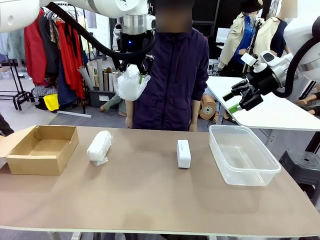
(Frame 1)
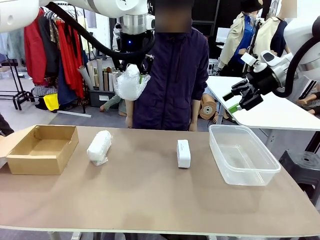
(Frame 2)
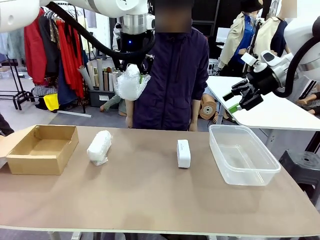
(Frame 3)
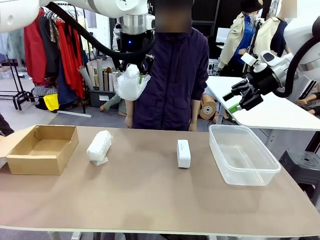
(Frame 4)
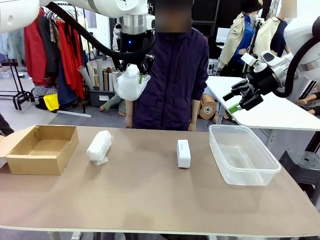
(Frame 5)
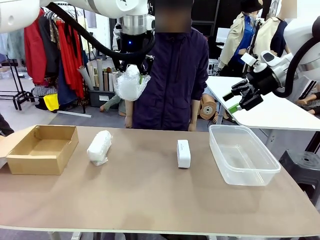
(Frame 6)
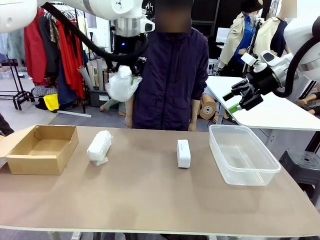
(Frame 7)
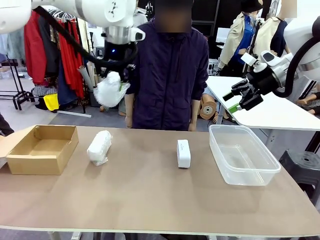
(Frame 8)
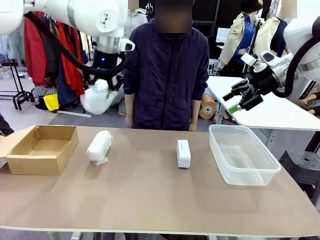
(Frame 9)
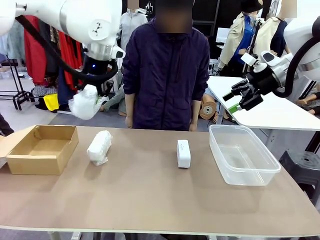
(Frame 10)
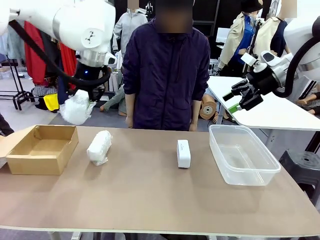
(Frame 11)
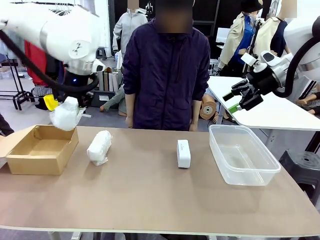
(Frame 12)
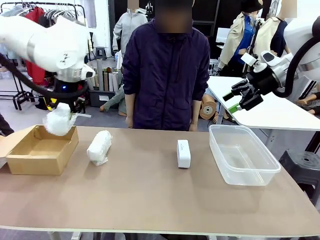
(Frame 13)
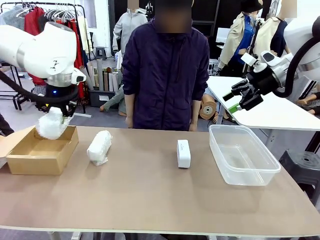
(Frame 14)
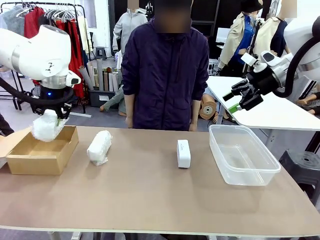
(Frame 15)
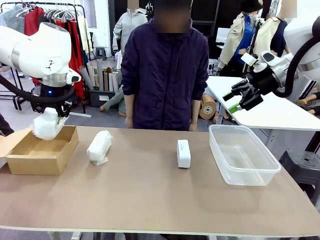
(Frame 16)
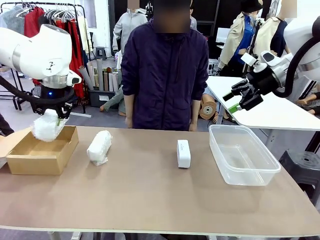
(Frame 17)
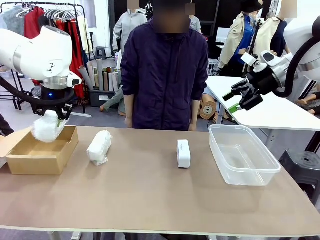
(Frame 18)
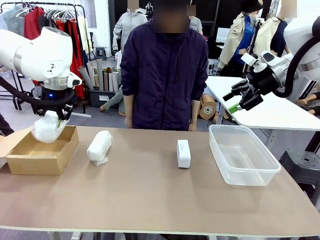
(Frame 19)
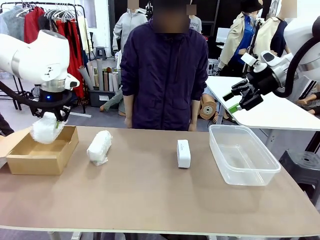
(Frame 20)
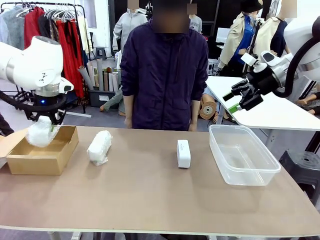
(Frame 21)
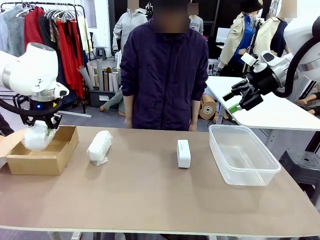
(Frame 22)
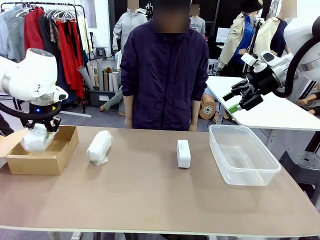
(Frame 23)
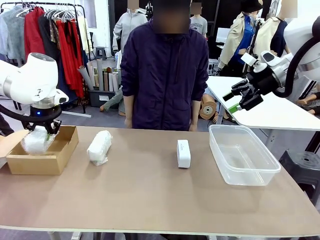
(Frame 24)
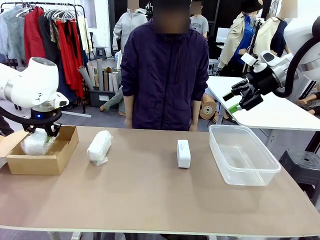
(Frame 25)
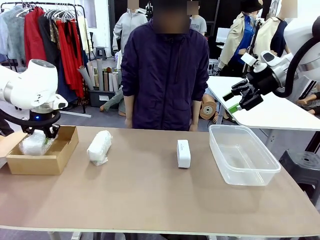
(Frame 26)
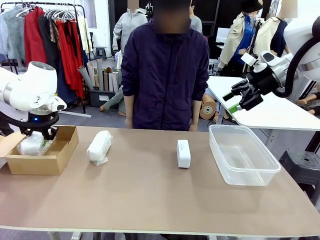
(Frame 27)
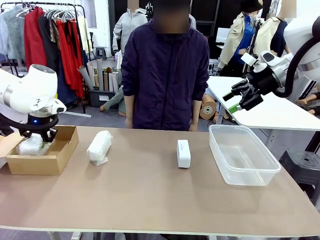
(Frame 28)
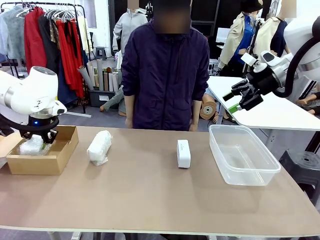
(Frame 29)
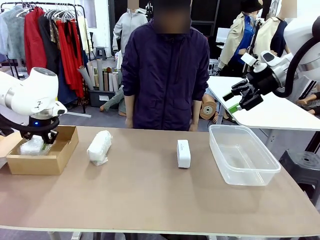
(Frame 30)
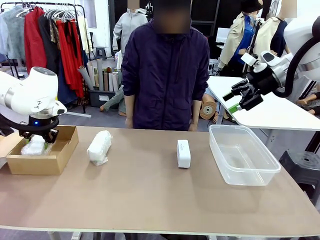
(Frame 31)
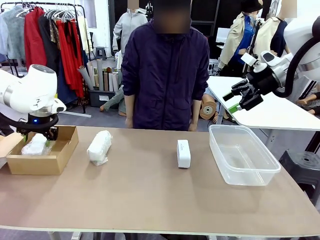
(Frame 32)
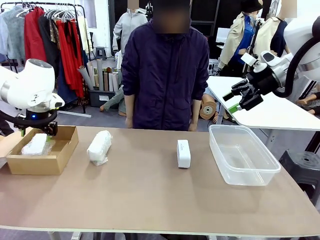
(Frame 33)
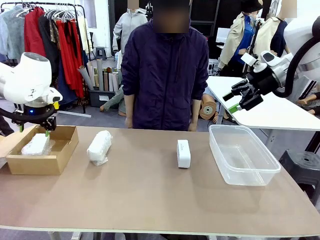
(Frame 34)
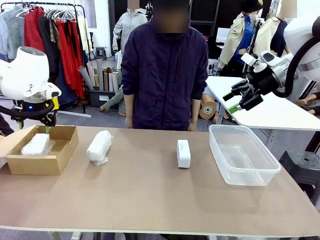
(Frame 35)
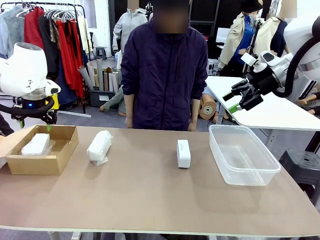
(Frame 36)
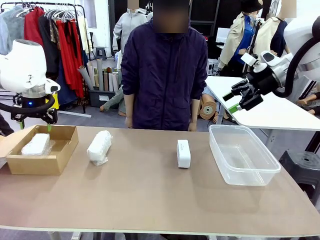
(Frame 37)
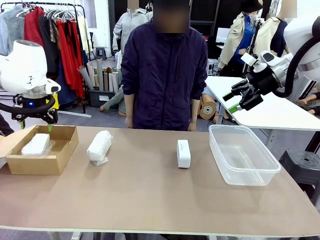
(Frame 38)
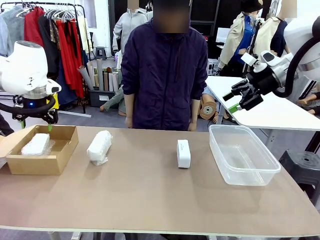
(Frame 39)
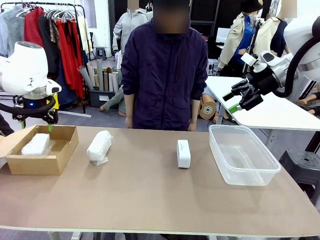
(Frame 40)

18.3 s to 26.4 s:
Task: Separate and place wrapped and unwrapped clocks.
Robot: If the picked Digital clock is wrapped, place it in the Package Box ; if not, place it in the Organizing box.

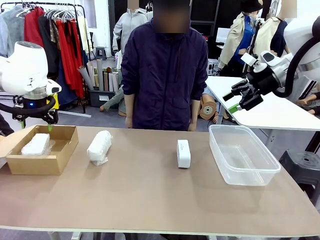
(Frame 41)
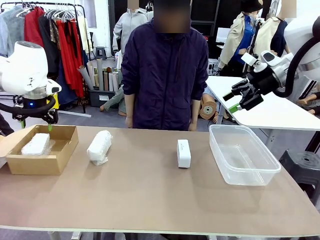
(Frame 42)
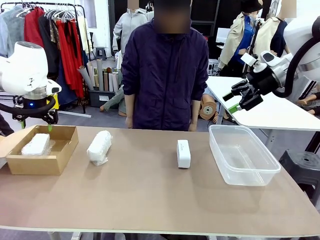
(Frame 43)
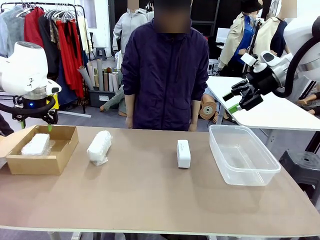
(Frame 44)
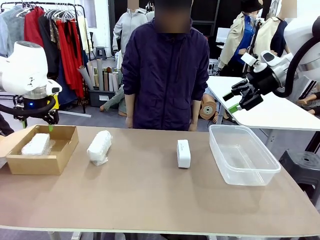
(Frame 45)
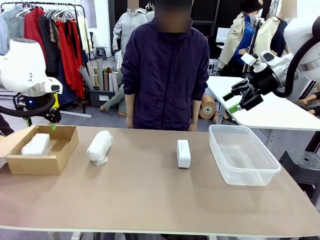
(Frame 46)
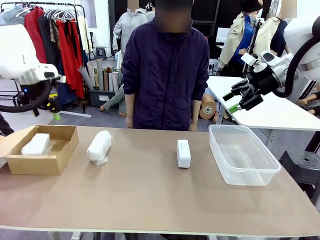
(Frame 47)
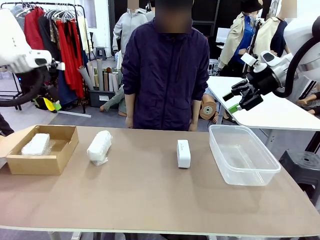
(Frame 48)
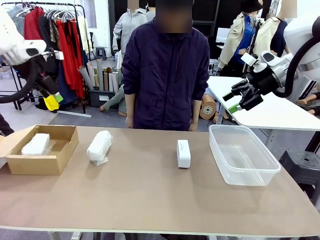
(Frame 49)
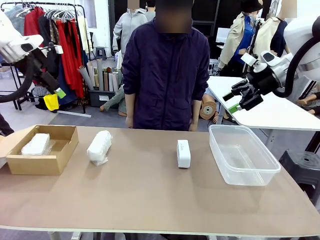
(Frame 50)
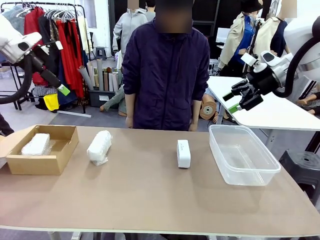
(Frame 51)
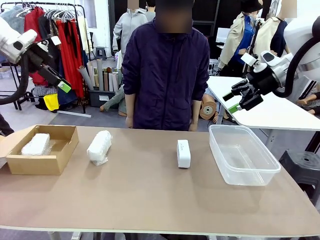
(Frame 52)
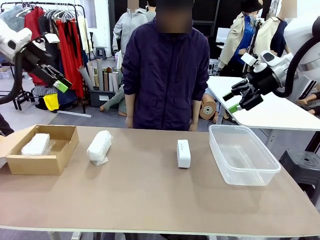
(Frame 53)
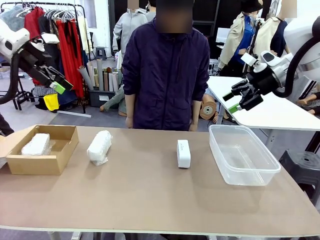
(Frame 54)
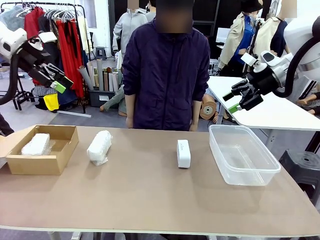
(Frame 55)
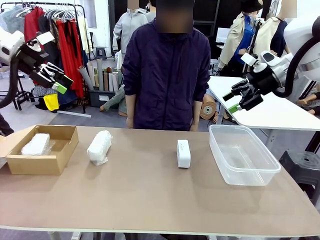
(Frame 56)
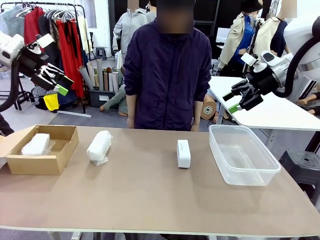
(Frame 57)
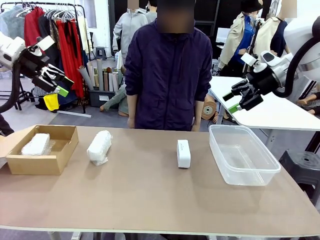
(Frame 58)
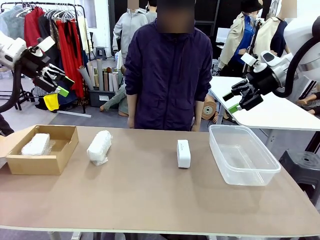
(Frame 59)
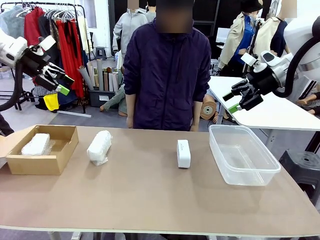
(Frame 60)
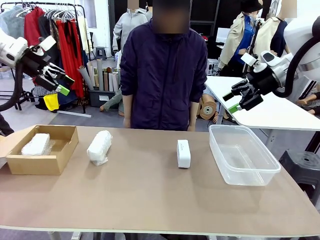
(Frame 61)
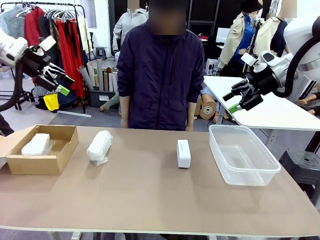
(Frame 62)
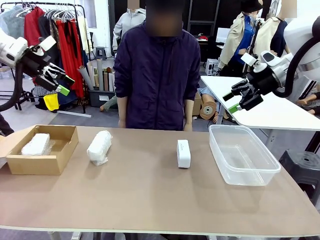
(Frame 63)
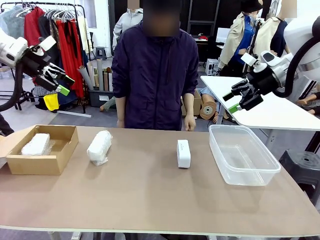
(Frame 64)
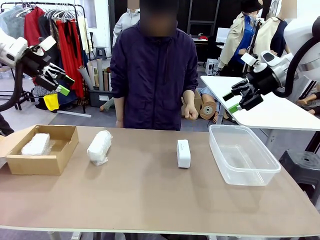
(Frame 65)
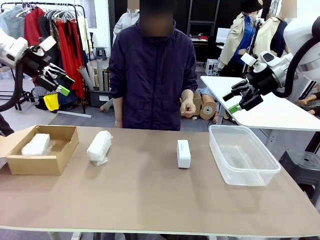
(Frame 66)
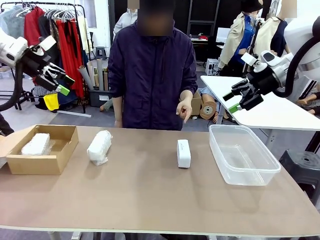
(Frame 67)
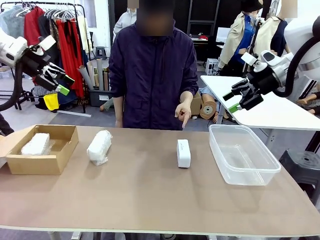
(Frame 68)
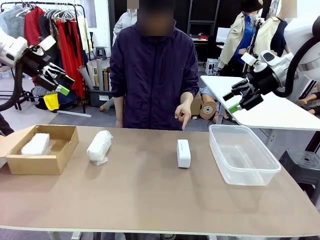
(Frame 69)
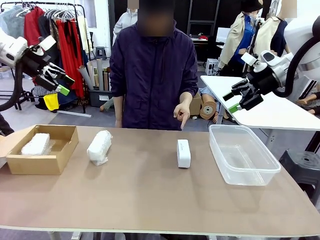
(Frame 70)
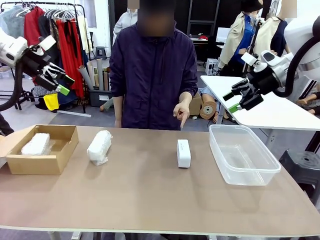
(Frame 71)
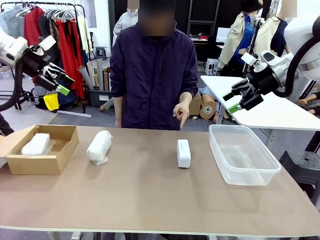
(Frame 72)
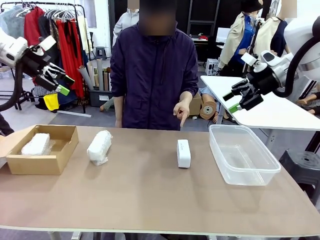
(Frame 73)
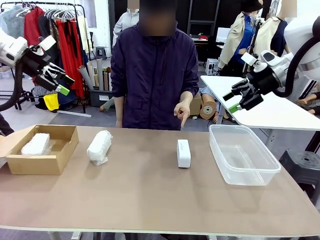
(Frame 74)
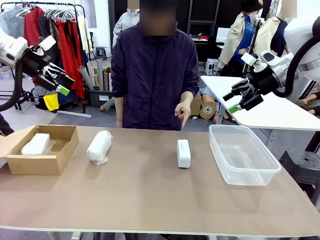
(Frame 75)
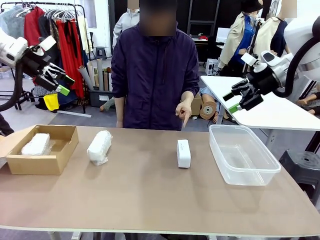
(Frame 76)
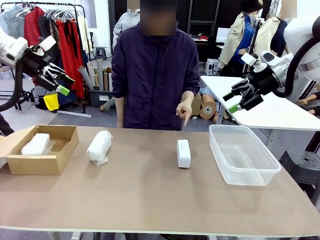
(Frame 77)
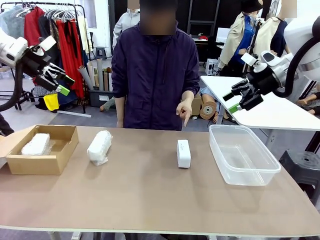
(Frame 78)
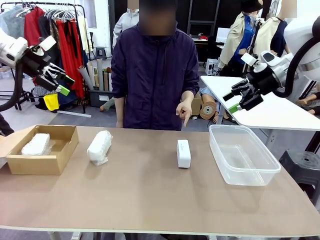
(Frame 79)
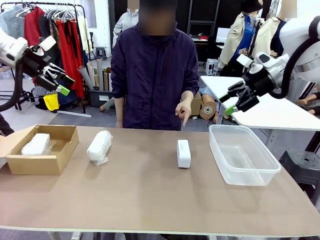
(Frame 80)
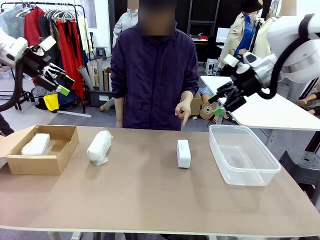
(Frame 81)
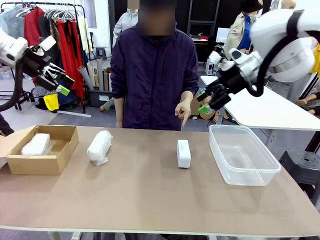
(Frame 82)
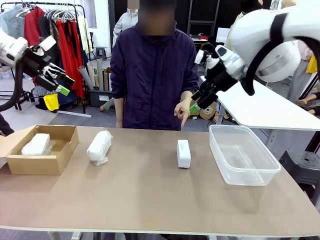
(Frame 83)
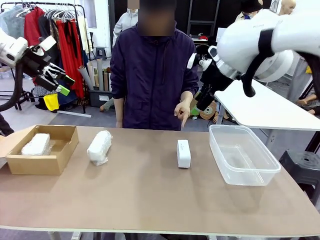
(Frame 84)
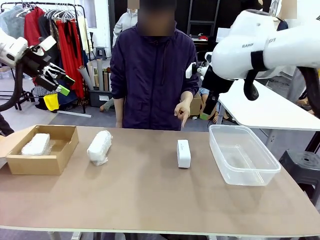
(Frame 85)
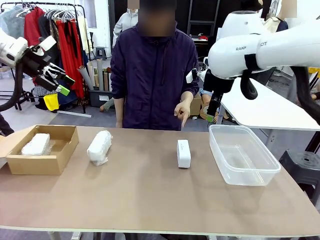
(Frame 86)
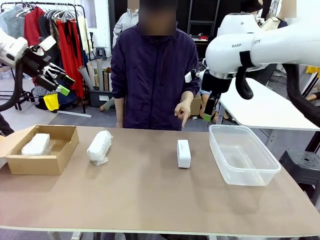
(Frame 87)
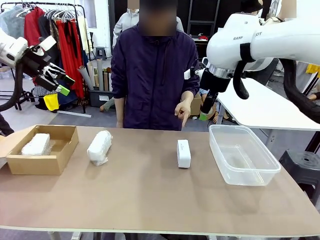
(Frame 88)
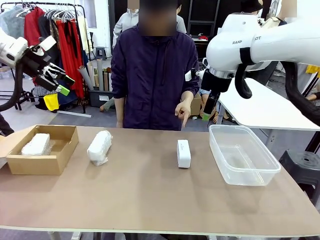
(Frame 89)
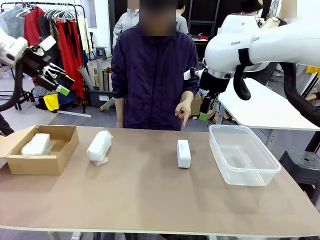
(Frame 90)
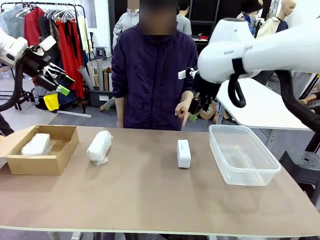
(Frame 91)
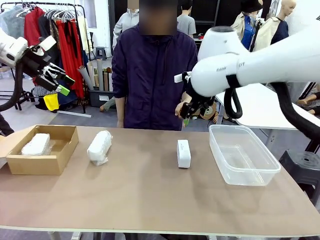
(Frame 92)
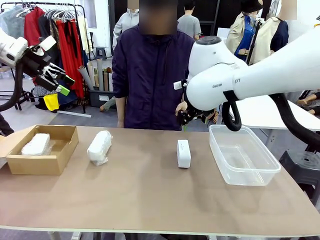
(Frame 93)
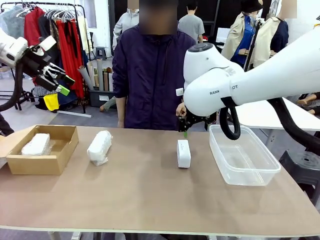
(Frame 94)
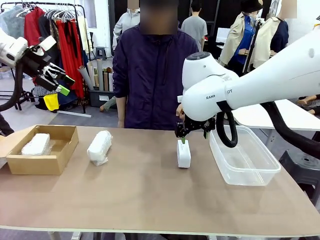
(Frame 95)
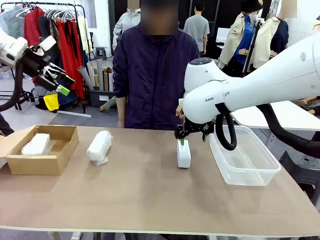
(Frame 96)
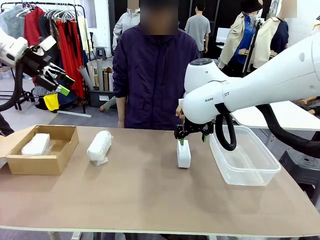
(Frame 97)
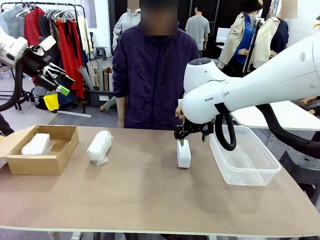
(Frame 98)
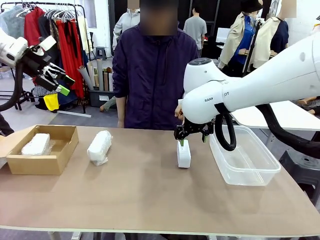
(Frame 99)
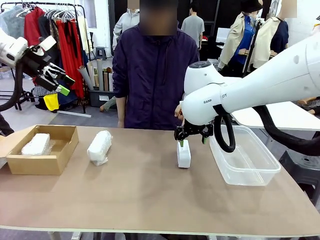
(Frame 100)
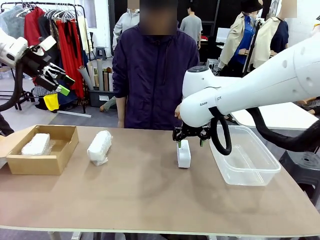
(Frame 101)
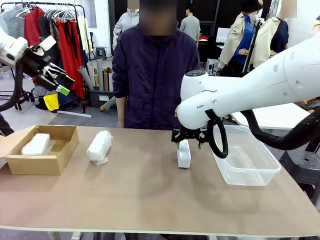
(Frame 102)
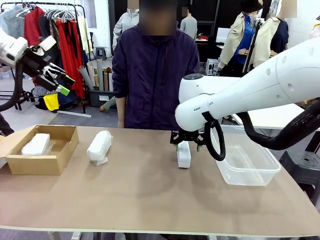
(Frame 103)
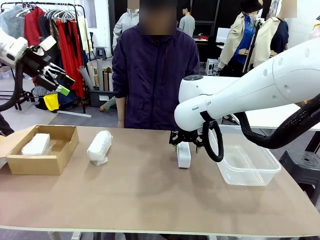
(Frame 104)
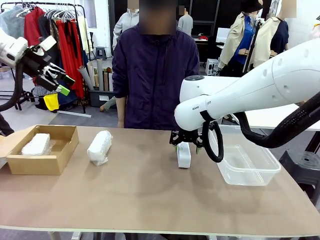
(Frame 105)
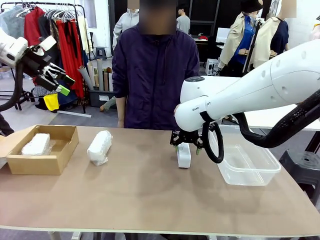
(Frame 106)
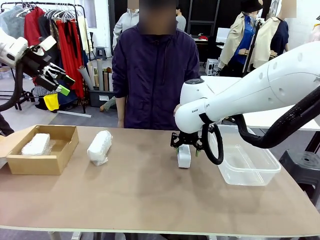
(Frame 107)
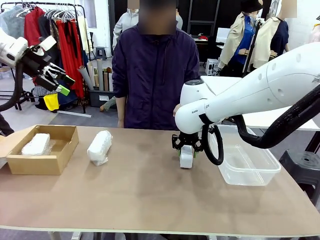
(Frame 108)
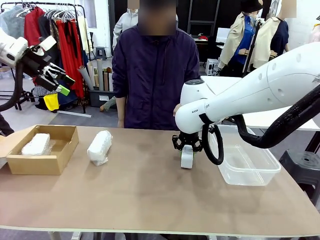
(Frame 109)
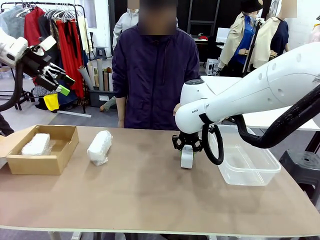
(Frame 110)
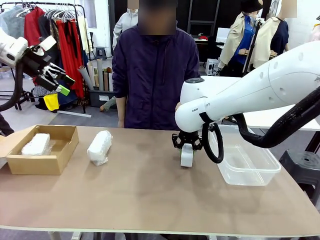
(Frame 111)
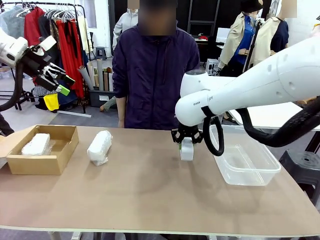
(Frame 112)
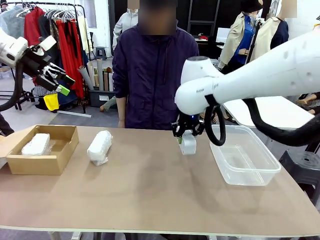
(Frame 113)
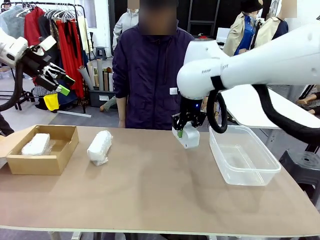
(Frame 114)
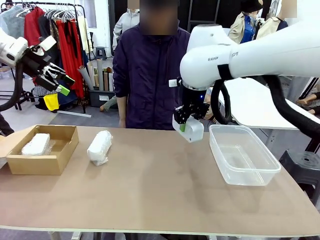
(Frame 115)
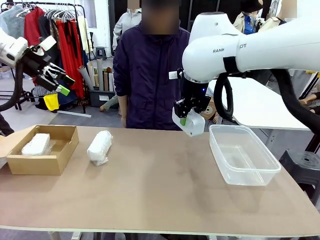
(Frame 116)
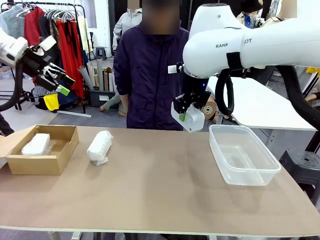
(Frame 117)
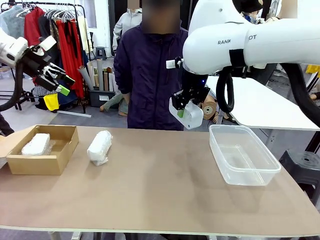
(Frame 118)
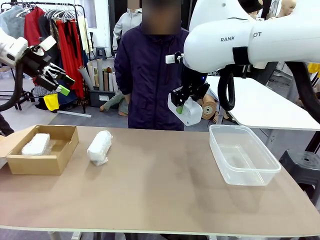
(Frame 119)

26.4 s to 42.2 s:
Robot: Pick up the Digital clock indicated by the person.
